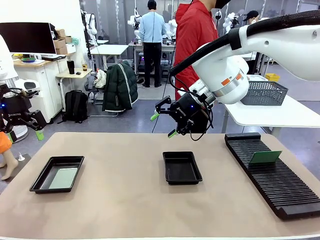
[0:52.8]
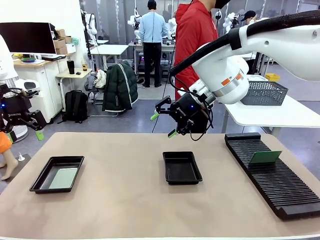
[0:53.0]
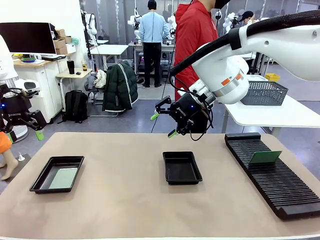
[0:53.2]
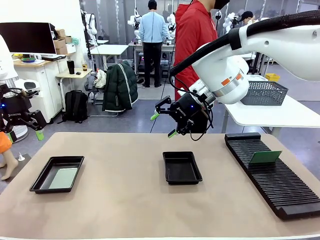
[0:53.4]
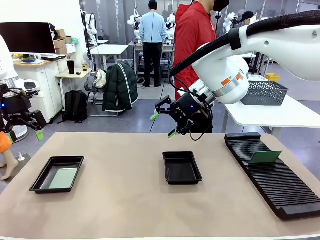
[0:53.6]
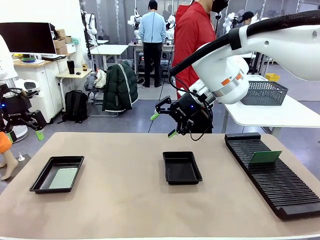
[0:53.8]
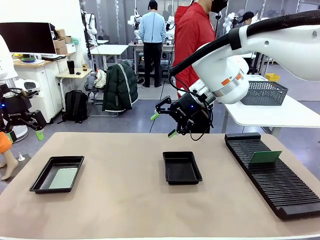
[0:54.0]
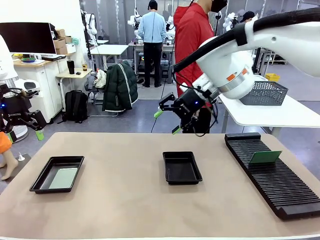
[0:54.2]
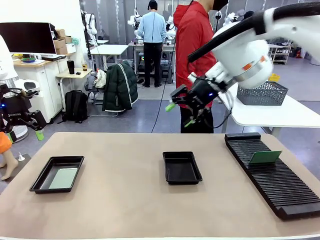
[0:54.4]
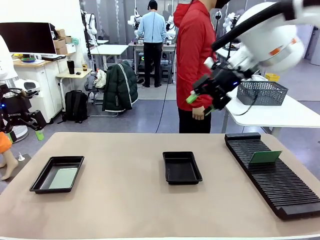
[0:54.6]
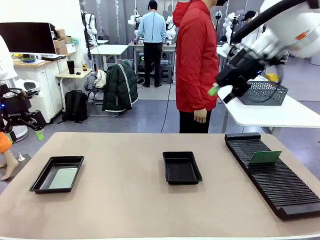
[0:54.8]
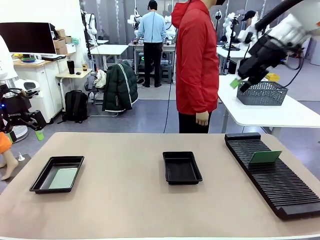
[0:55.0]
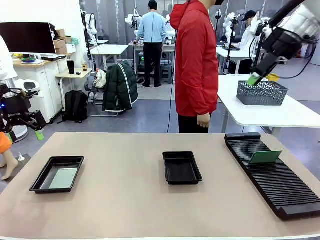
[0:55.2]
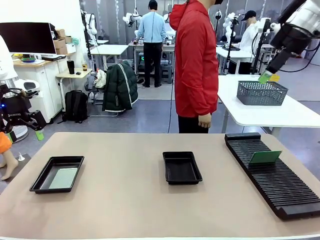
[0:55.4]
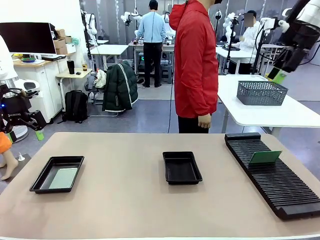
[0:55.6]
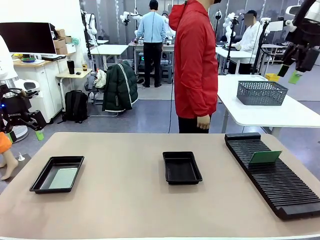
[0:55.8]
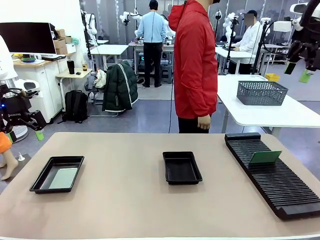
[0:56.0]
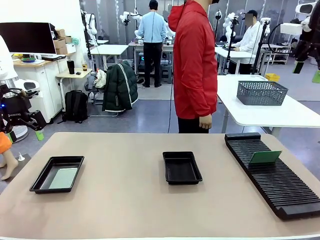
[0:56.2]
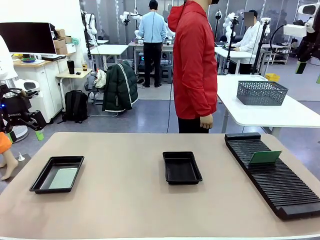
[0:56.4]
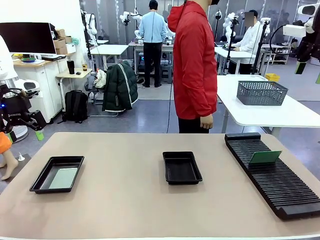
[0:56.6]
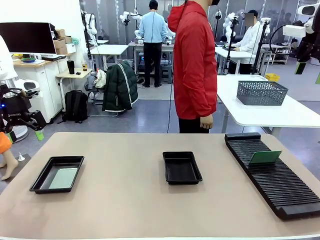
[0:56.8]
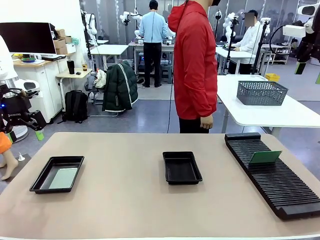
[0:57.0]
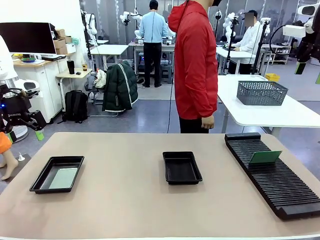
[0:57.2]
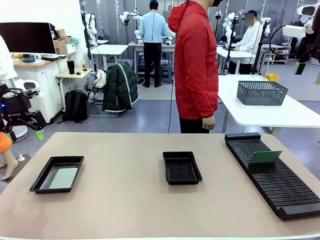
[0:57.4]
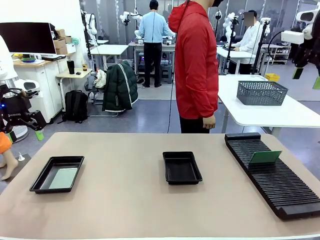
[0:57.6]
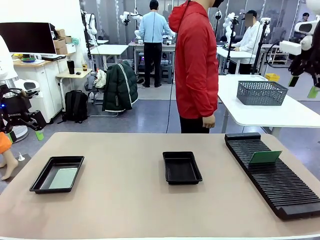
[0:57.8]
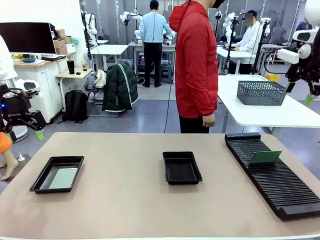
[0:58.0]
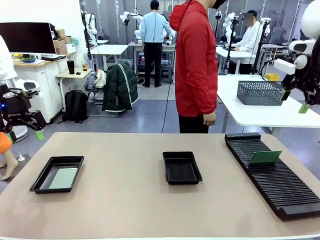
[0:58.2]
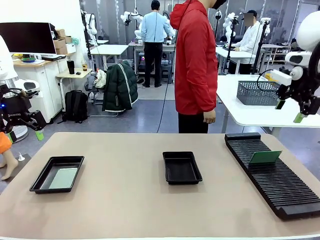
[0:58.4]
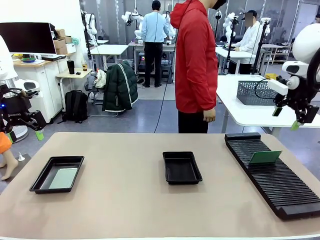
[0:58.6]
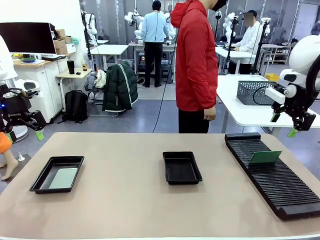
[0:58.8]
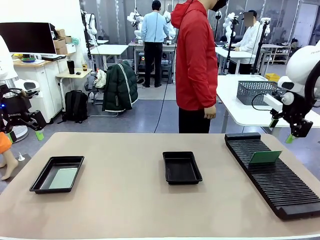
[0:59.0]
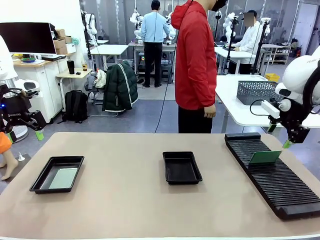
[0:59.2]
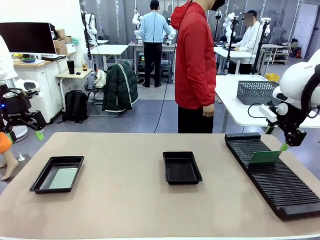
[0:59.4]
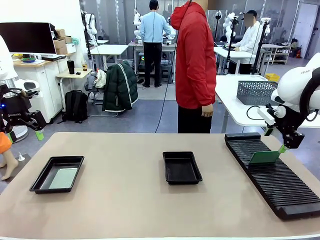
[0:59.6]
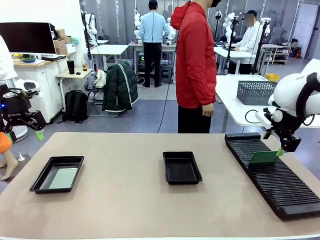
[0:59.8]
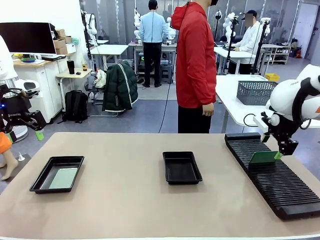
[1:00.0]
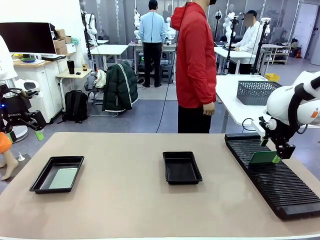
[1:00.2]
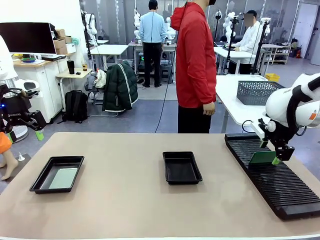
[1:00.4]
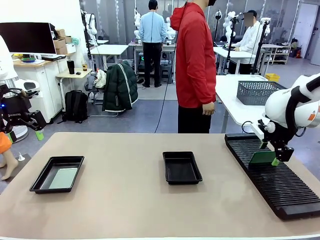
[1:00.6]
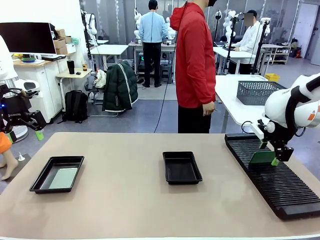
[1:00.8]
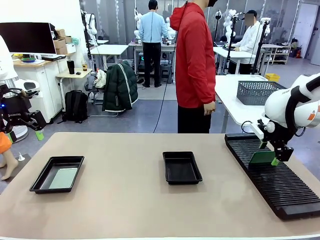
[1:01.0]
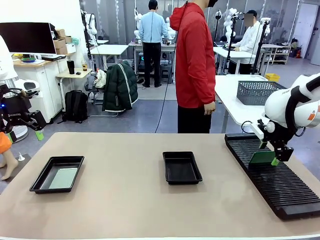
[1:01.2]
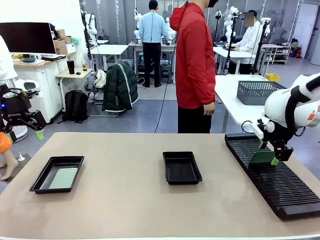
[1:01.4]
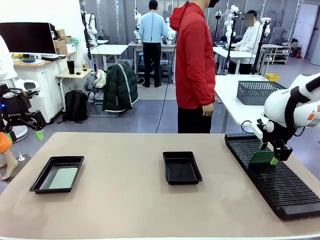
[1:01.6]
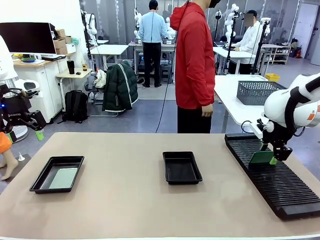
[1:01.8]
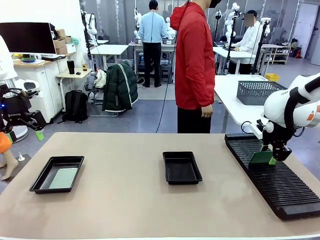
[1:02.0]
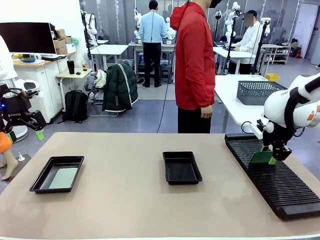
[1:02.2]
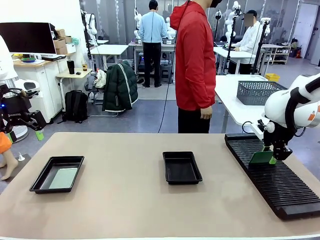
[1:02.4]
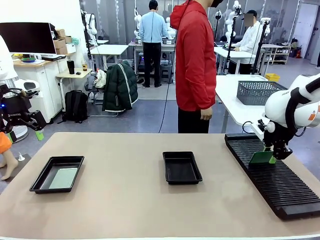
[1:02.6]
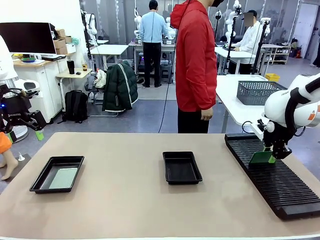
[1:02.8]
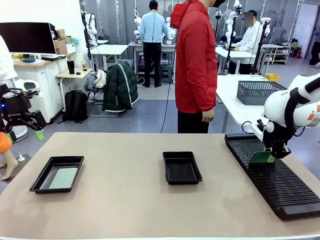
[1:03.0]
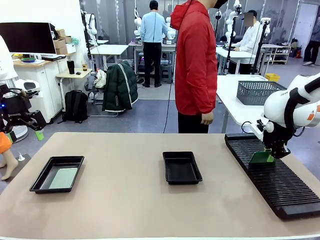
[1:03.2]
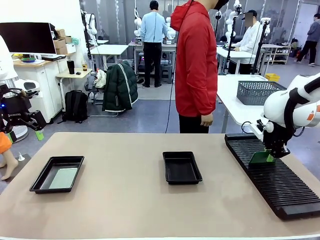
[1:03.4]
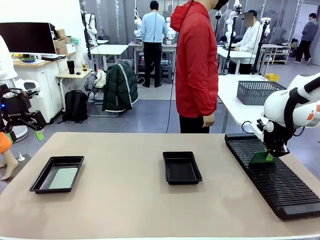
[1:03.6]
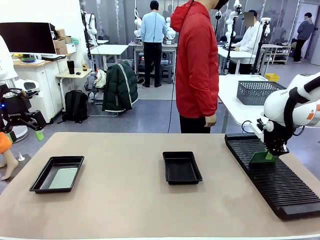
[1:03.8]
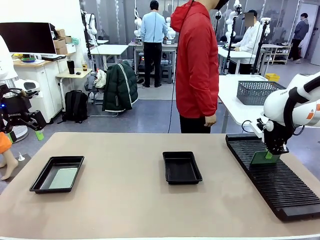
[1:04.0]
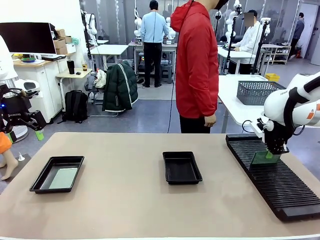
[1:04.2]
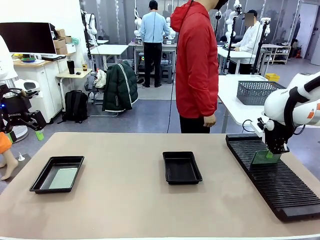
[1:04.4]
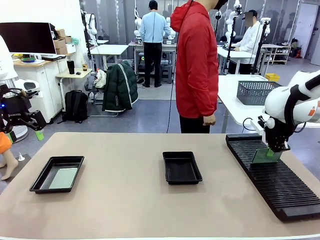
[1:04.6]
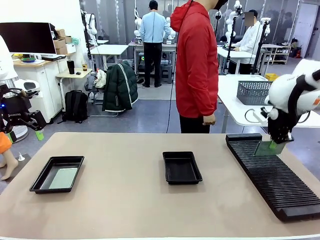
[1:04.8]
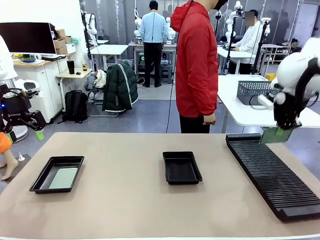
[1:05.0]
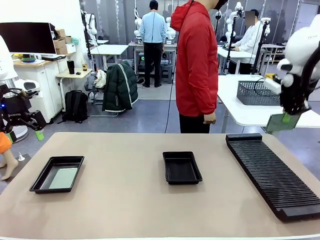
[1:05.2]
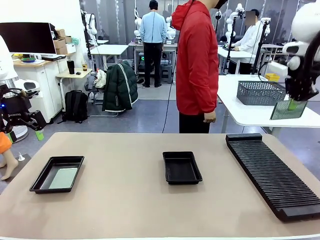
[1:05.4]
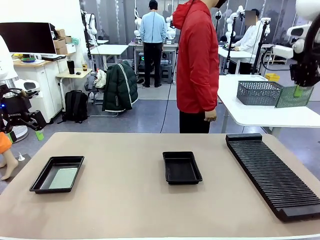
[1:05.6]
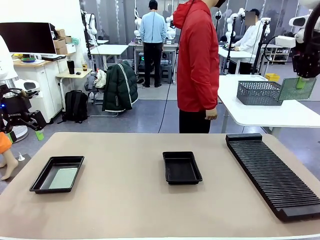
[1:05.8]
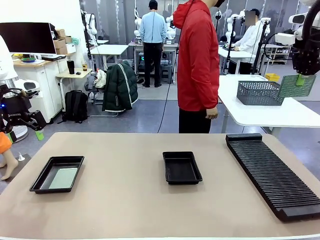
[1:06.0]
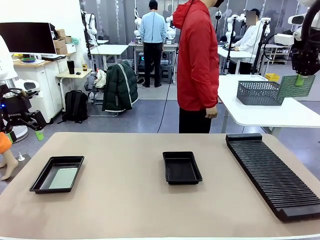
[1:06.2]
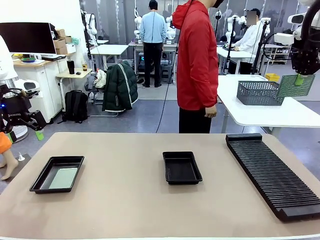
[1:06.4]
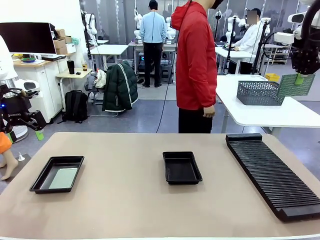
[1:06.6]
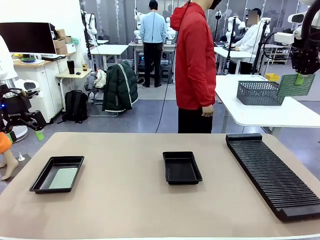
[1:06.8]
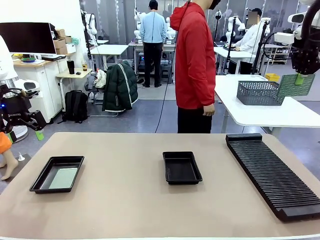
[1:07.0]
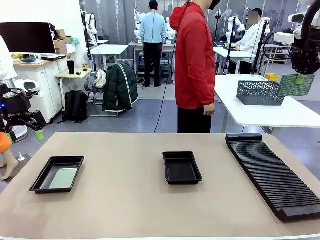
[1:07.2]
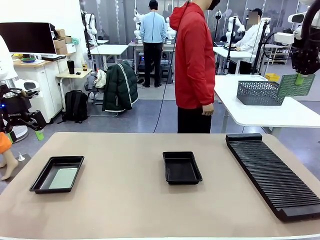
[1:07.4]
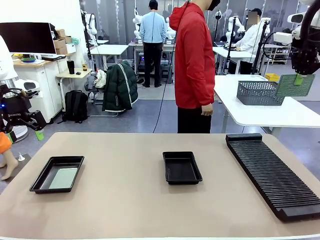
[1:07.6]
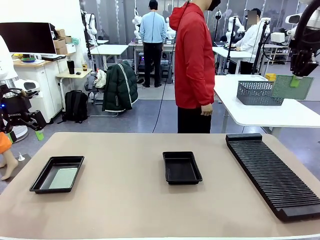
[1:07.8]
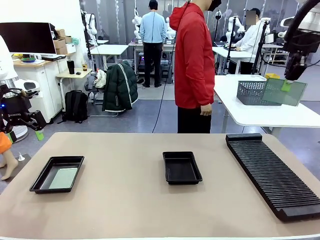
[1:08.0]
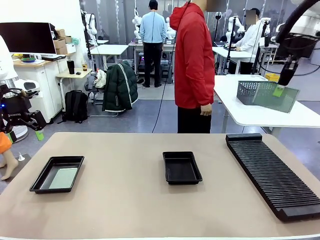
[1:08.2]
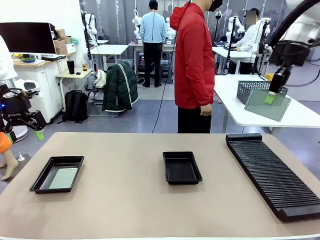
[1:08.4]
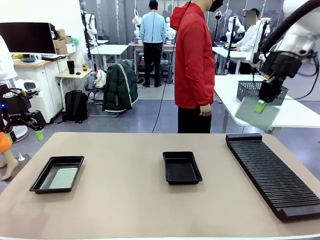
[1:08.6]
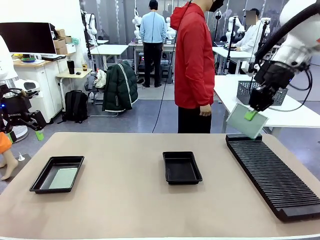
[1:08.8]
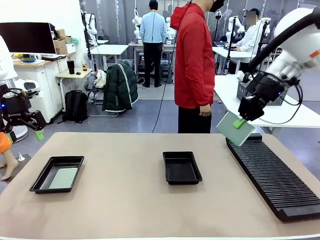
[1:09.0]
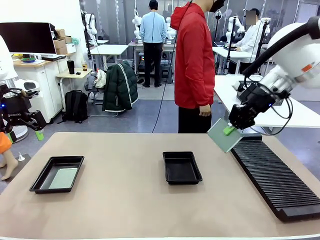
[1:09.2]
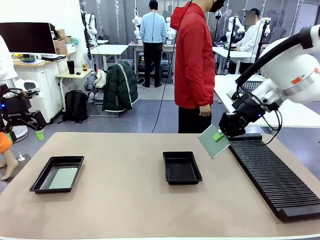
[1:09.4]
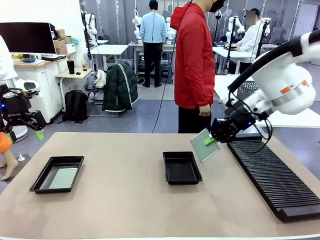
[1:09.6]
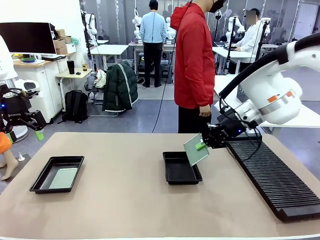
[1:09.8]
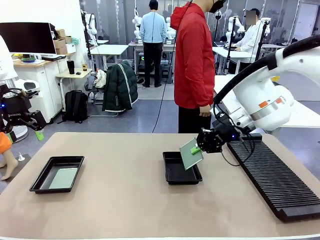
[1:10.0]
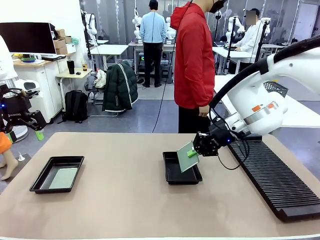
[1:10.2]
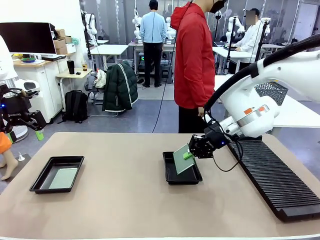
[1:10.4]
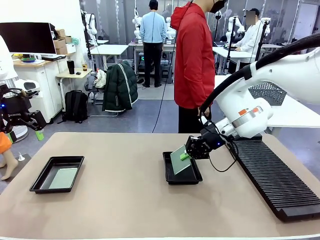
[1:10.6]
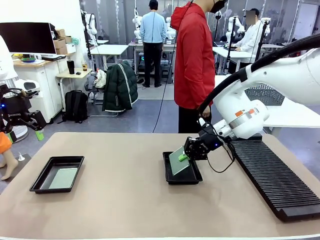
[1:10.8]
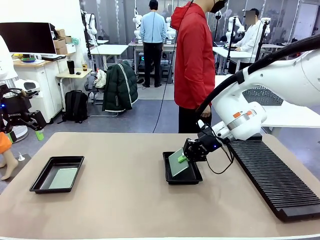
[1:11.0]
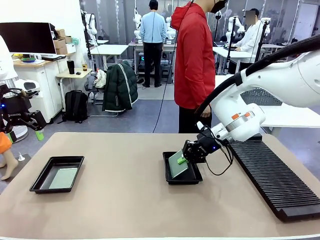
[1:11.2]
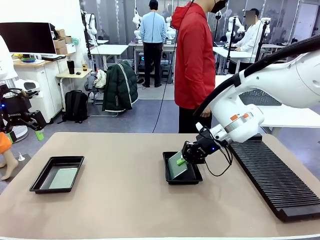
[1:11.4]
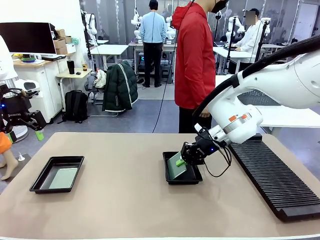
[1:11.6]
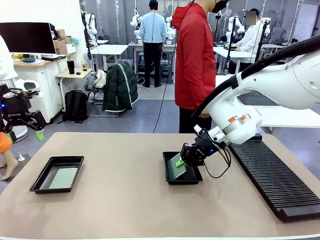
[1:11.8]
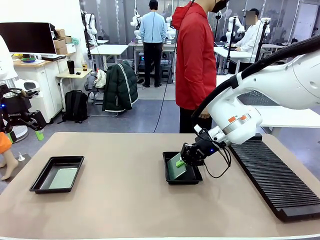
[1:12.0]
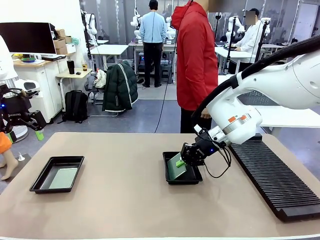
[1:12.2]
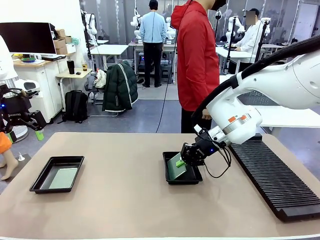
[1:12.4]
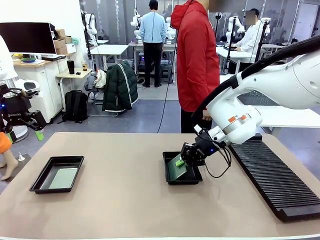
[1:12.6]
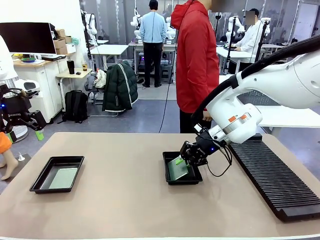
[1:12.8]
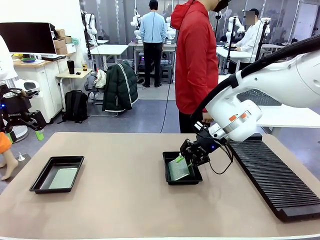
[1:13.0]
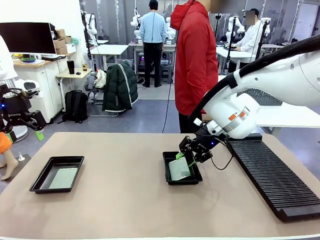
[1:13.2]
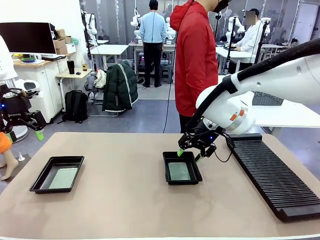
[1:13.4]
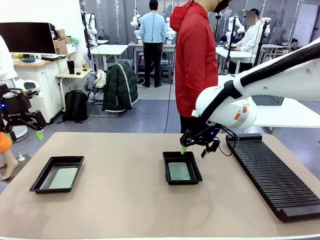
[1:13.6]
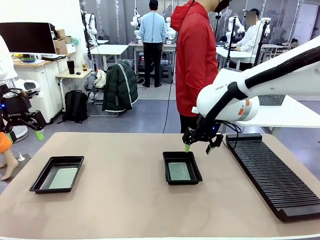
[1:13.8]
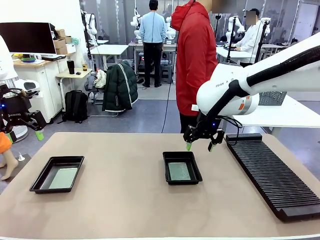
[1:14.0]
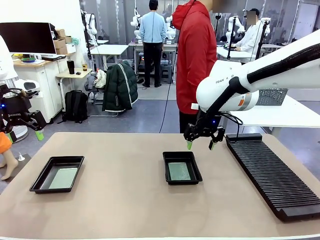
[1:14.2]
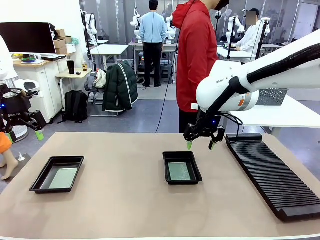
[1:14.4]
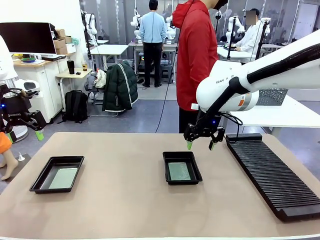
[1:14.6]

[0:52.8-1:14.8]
Task: Inspect and transfer BCBs to ESD trays.
Robot: Pick up the Blank PCB from the PCB Rack and place it in the right ESD tray.
